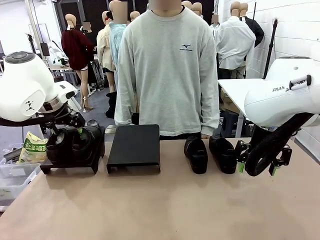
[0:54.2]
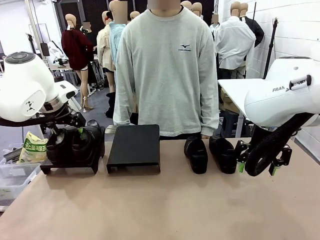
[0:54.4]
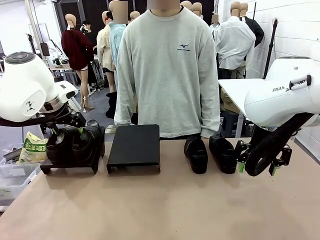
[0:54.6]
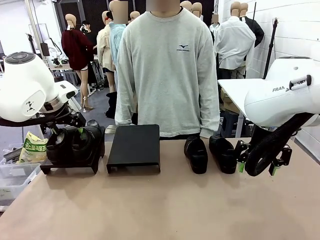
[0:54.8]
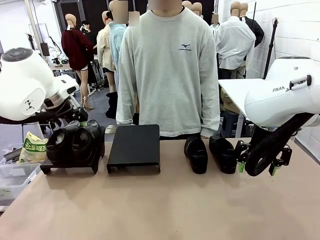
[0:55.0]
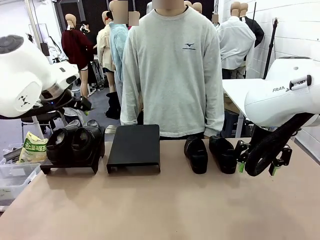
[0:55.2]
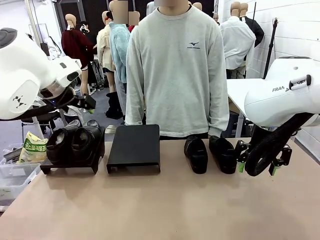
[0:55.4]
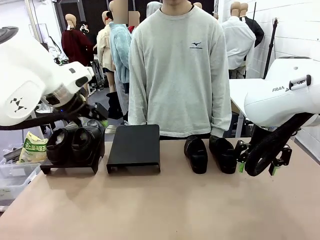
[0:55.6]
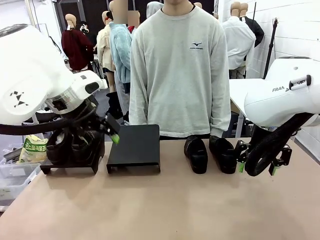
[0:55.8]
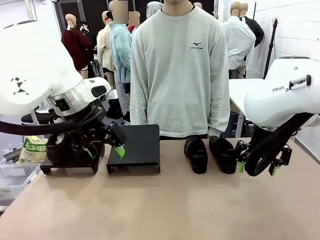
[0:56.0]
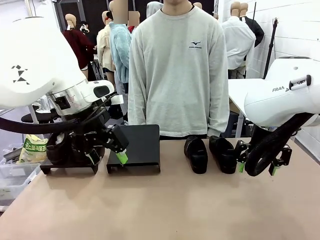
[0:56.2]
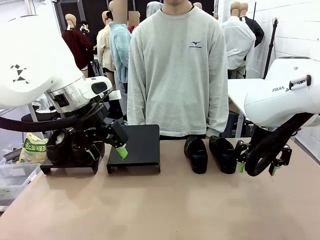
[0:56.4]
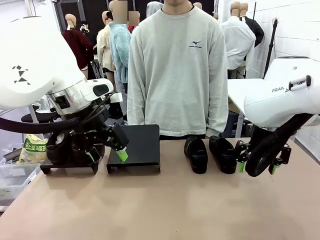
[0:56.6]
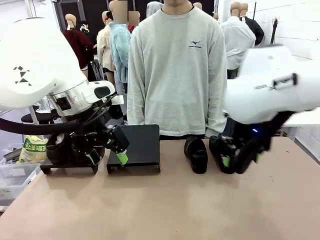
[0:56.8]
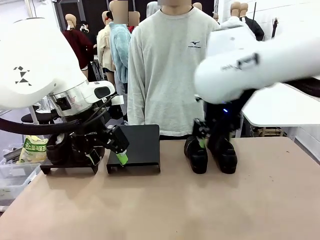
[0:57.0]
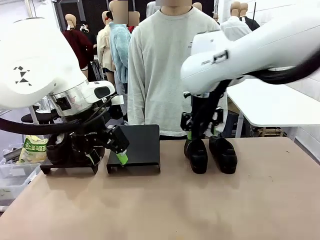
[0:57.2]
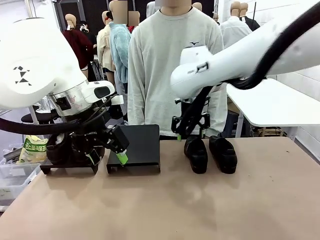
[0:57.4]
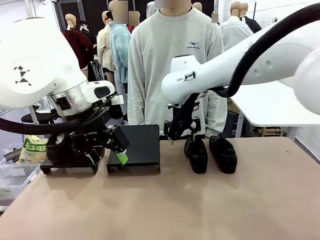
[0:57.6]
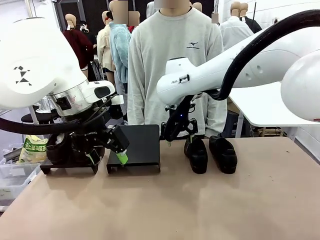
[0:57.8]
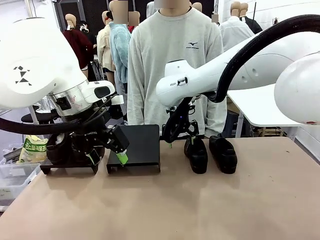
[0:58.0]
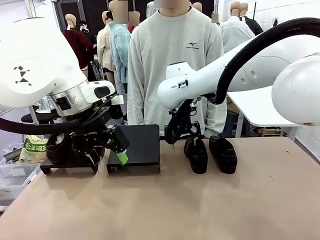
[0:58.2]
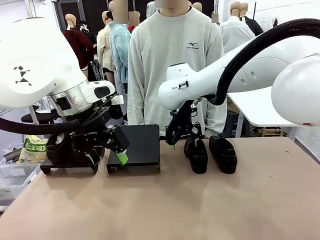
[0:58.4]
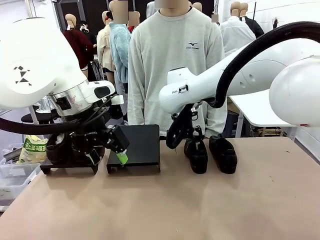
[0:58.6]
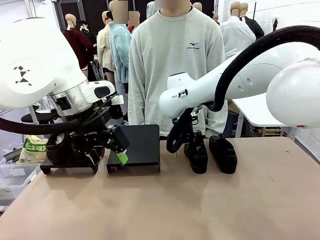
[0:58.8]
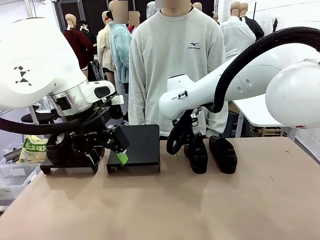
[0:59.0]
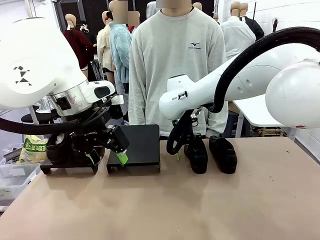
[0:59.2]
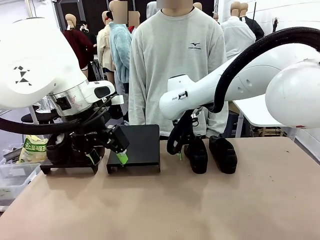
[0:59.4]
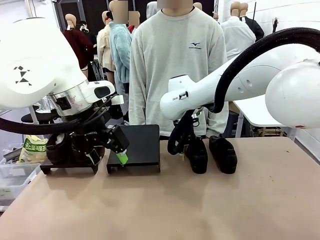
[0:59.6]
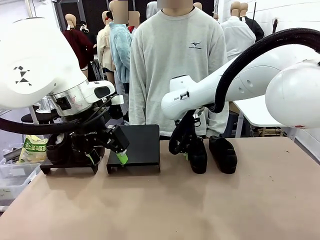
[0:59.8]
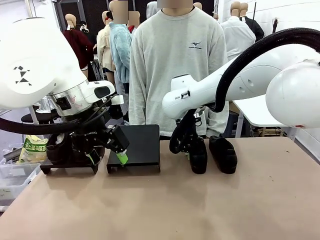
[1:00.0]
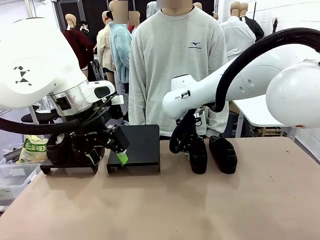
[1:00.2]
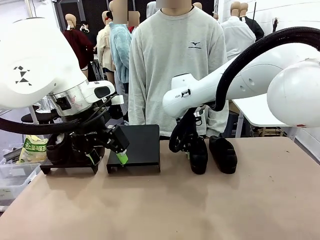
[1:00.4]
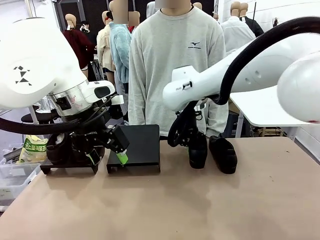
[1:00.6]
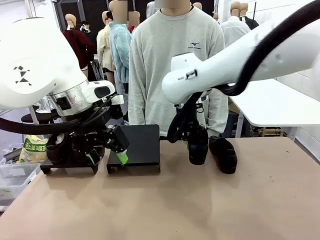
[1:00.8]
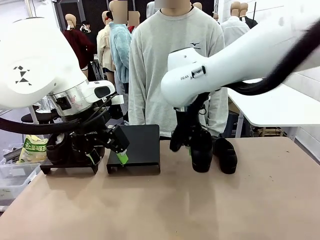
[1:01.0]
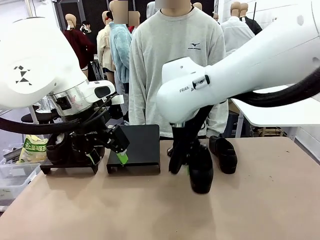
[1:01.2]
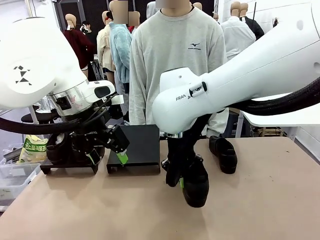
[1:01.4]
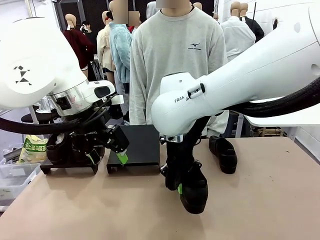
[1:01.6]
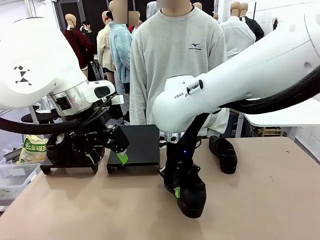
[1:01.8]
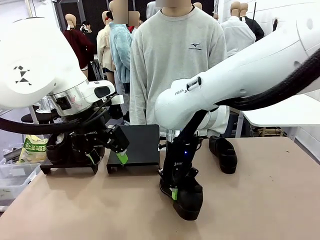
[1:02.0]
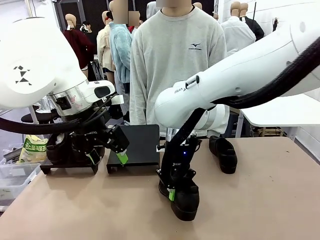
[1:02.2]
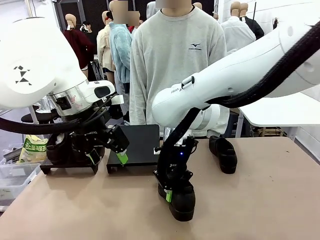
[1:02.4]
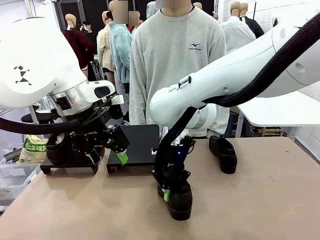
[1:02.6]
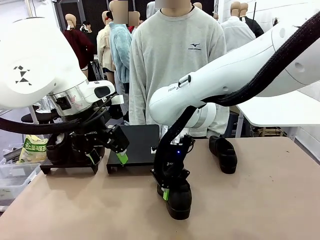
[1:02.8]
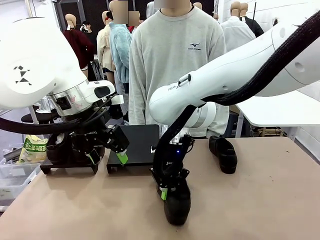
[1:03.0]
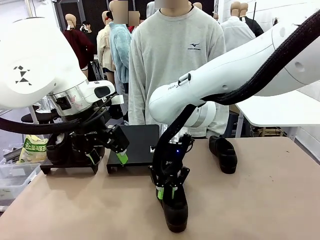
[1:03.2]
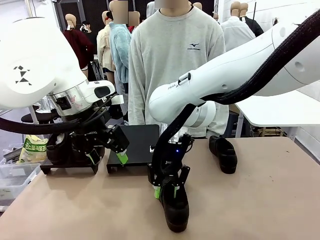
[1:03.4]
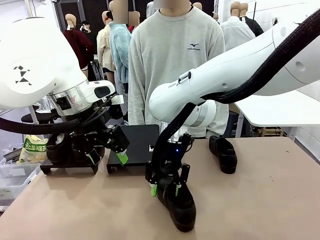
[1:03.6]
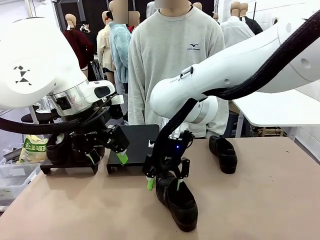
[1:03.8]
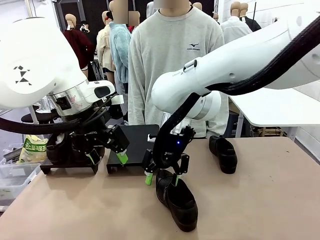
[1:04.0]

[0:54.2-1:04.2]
Task: Organize the shoes by placing them on the stand.
Robot: Pick up one Shoe and place it in the middle of the table.

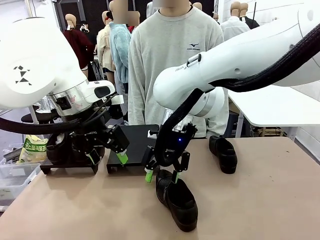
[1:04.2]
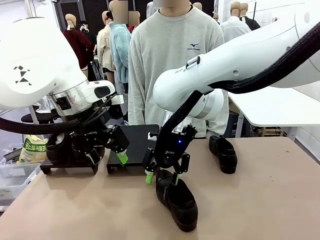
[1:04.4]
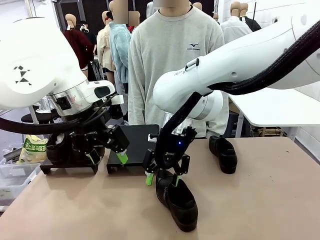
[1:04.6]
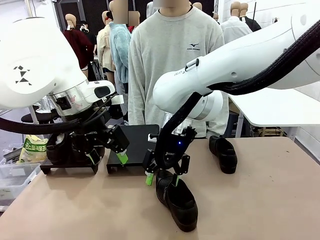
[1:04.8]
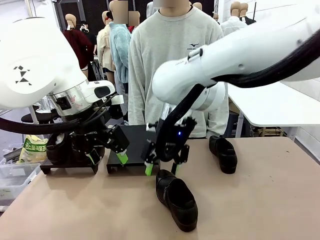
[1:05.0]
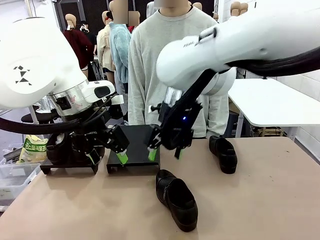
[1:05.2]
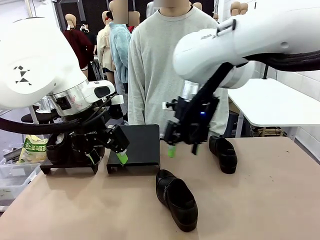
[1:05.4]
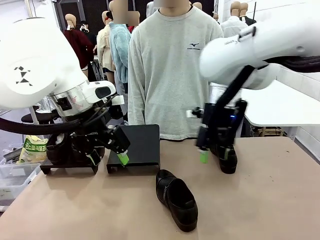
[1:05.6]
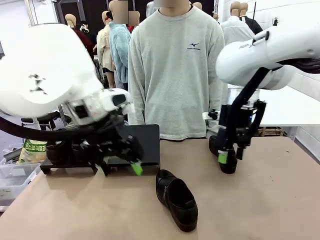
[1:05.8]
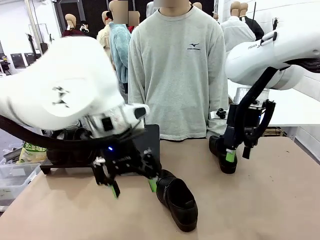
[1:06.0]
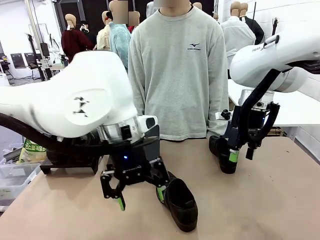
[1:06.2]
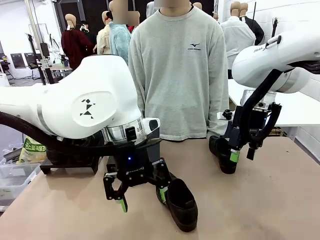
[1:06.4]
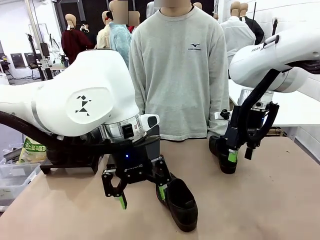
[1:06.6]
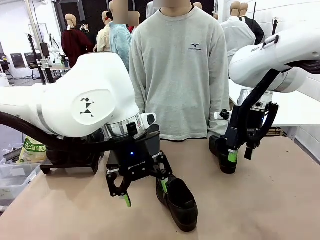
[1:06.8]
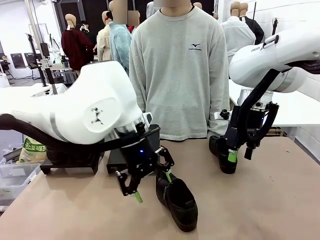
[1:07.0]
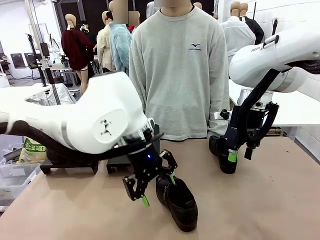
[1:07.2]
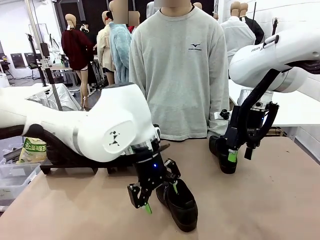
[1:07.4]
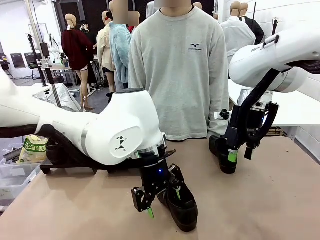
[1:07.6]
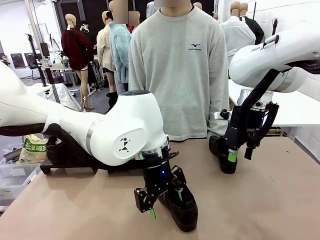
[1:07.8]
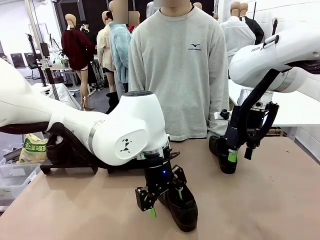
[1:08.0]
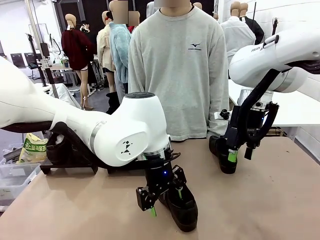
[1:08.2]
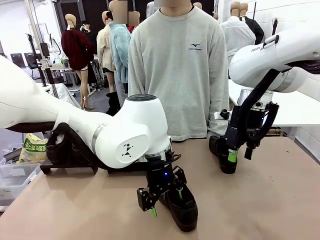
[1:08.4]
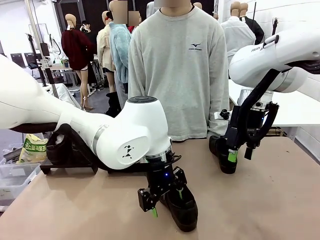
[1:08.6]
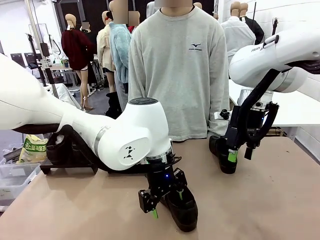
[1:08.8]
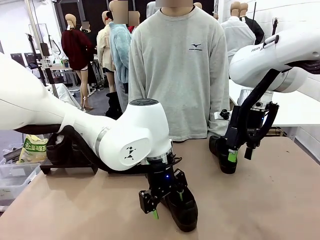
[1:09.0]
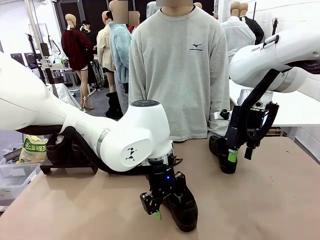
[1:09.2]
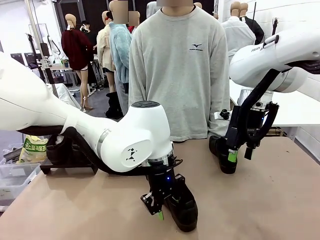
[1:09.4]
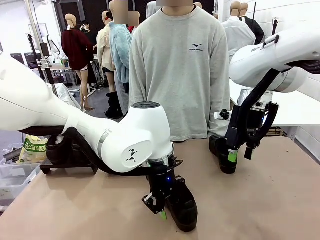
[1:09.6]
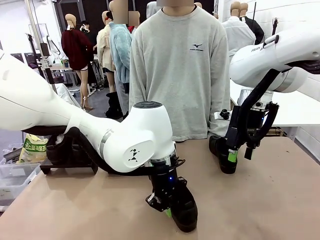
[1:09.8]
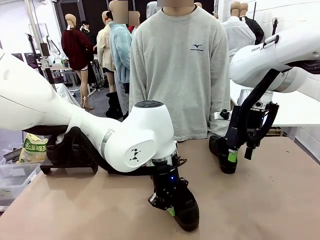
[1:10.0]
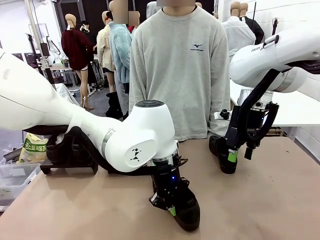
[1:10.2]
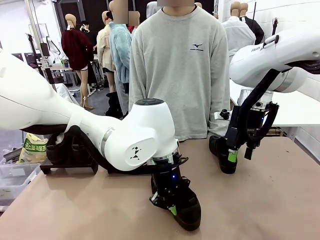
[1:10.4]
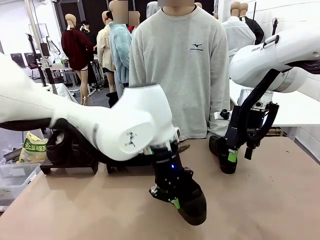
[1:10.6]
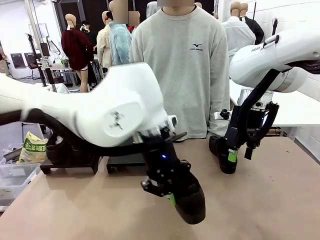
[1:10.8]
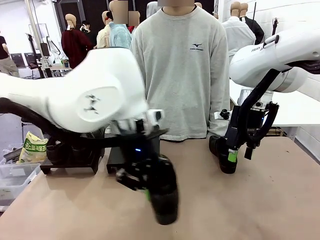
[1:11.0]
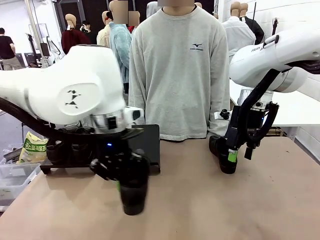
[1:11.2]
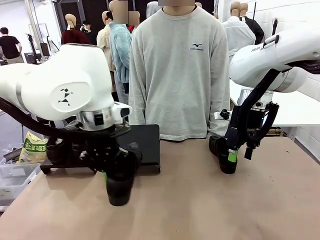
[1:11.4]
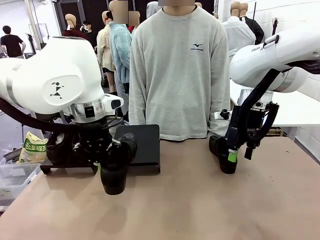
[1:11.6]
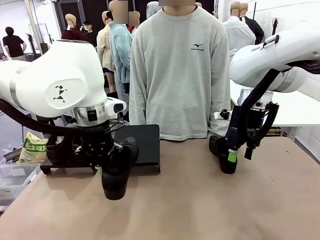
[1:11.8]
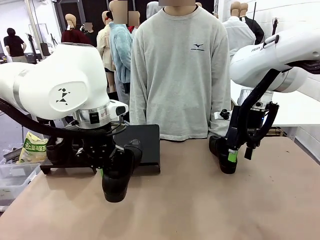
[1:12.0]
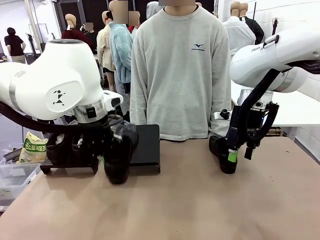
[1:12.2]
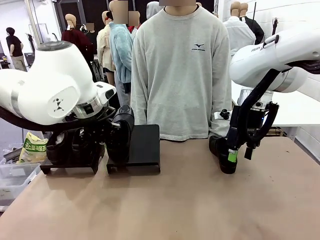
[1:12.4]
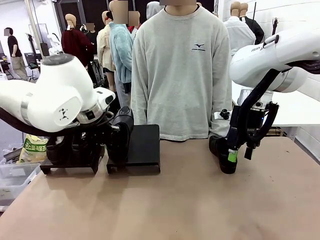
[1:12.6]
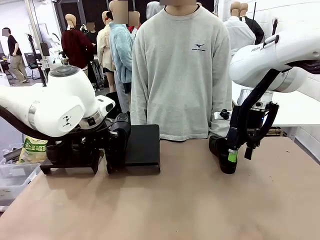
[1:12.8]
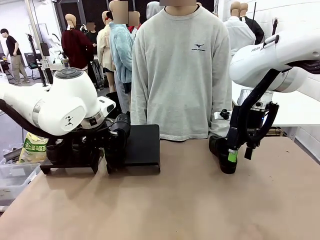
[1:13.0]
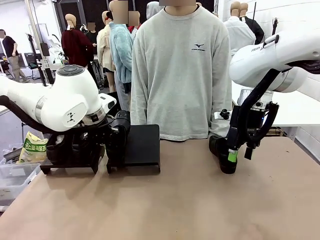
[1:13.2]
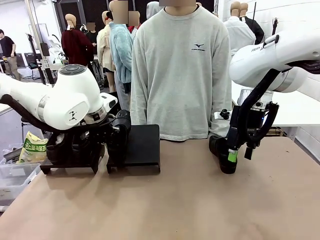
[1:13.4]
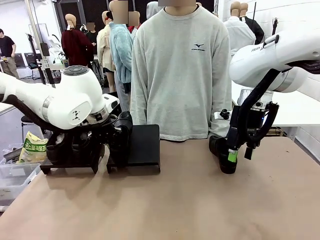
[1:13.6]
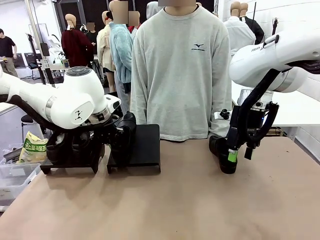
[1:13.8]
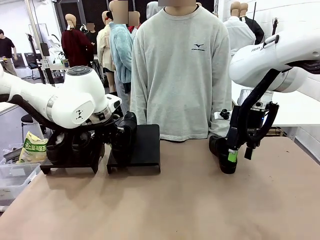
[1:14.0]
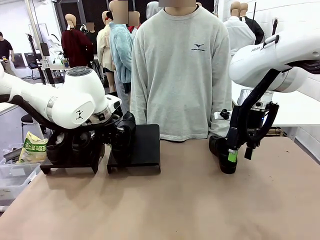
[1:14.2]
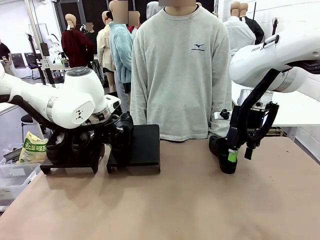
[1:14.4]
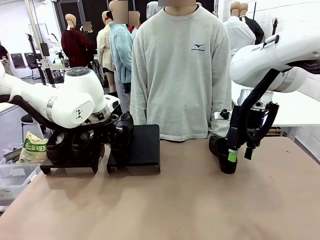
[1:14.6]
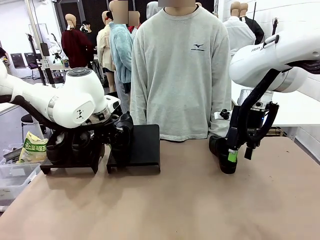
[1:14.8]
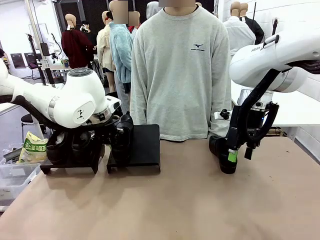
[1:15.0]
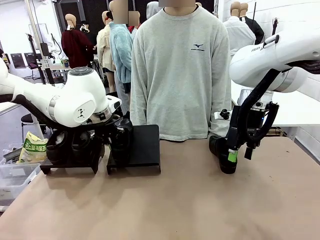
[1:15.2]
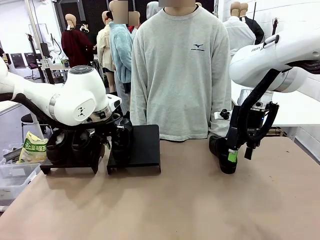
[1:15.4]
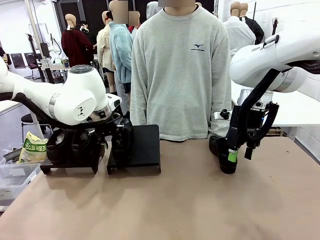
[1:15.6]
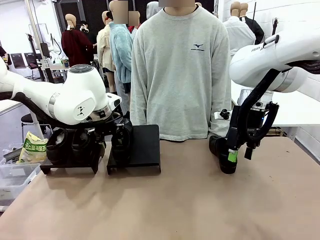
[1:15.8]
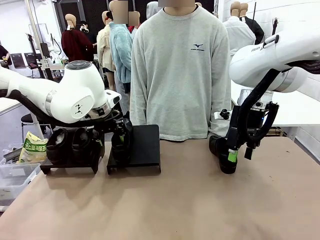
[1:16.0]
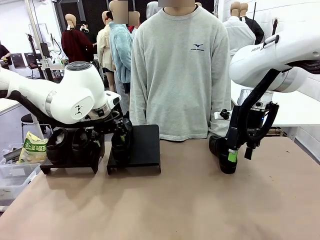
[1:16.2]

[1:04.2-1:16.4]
Robot: Place the Shoe from the middle of the table onto the Shoes Stand.
